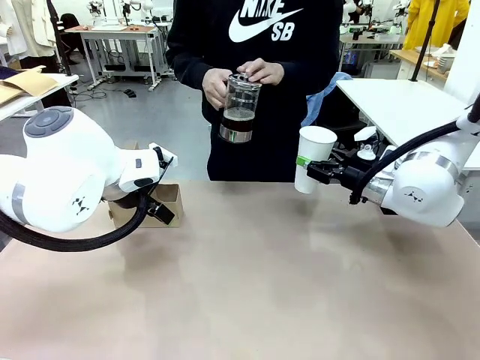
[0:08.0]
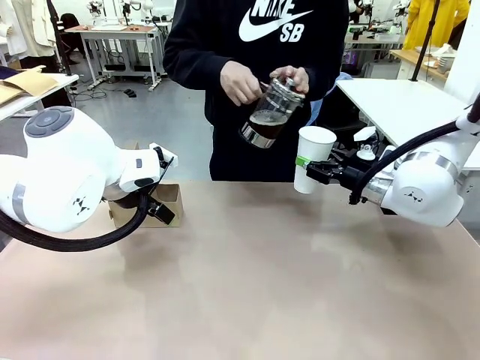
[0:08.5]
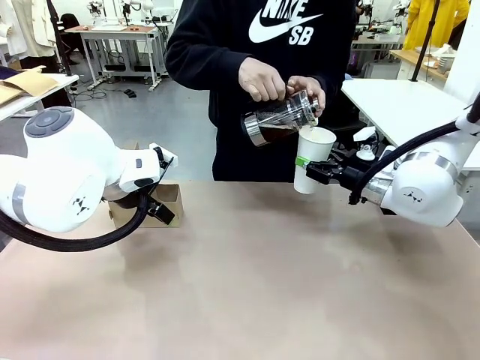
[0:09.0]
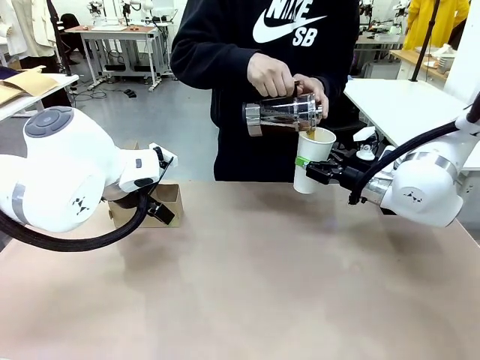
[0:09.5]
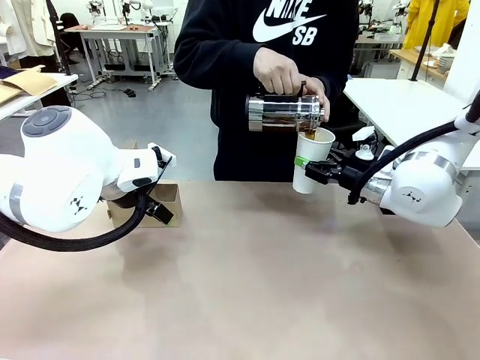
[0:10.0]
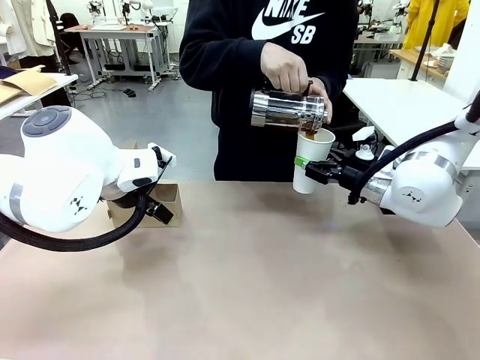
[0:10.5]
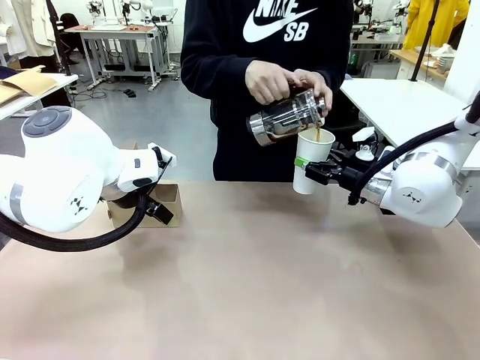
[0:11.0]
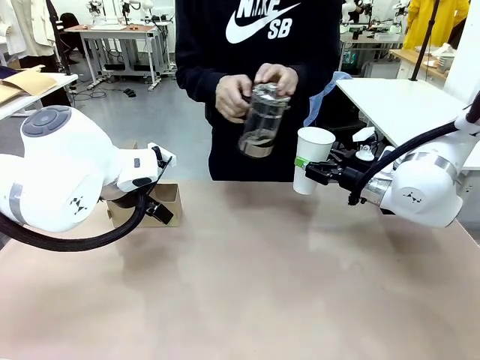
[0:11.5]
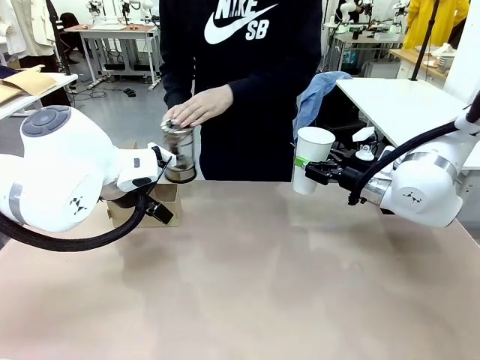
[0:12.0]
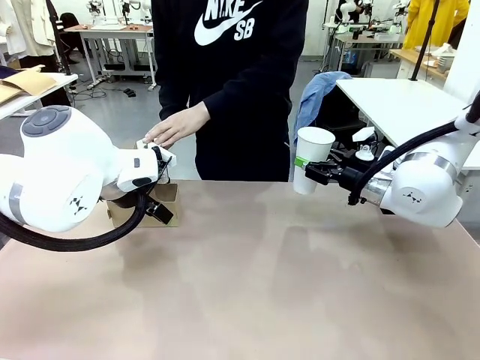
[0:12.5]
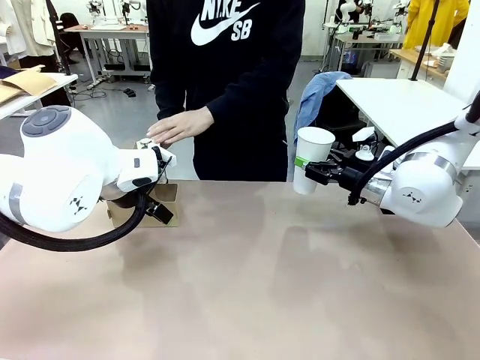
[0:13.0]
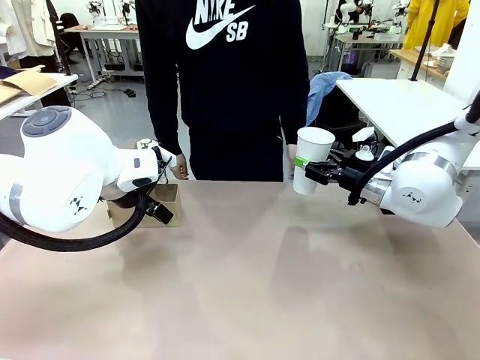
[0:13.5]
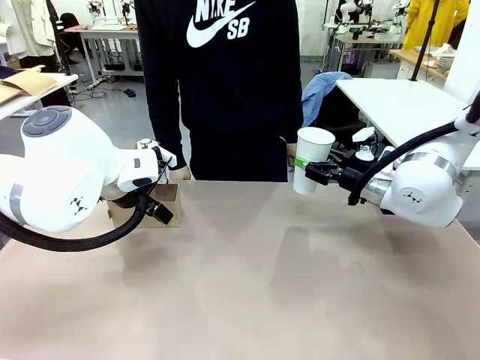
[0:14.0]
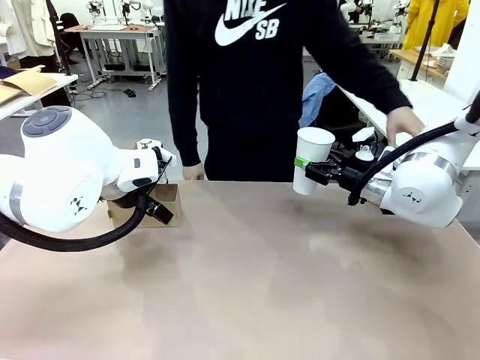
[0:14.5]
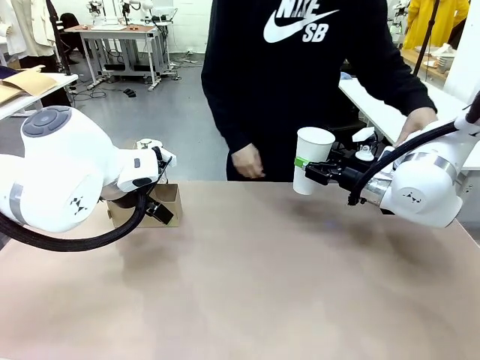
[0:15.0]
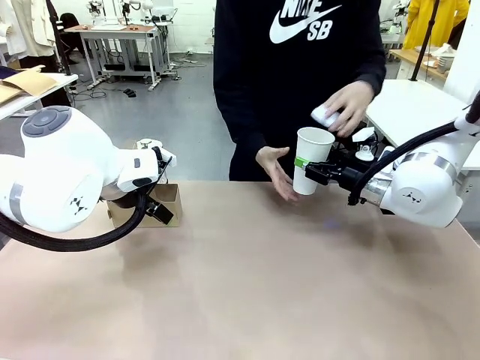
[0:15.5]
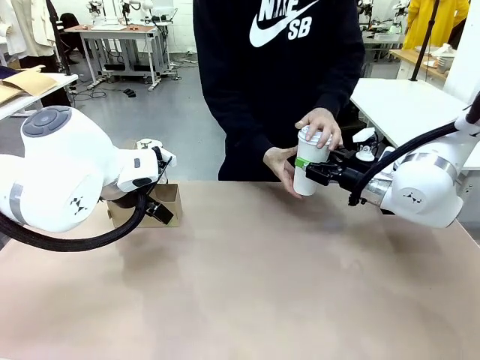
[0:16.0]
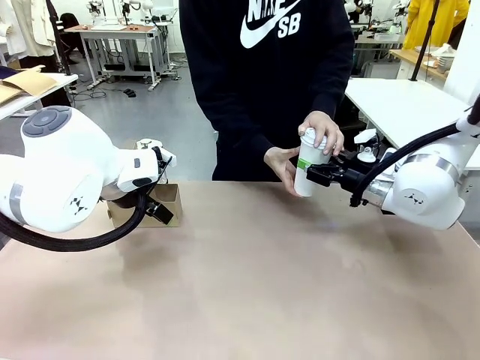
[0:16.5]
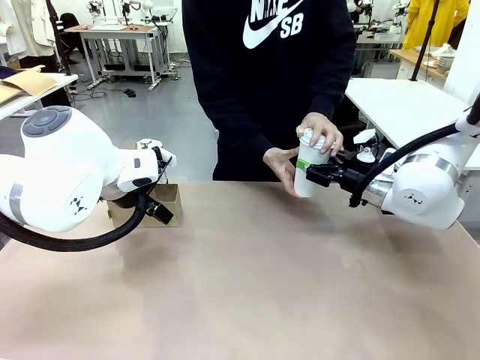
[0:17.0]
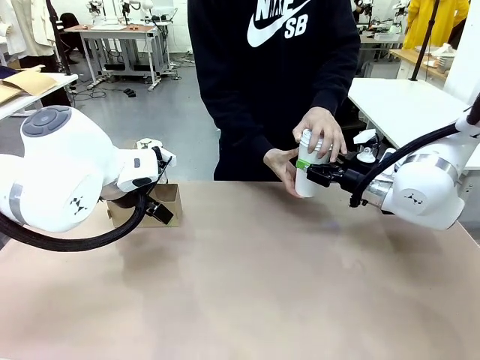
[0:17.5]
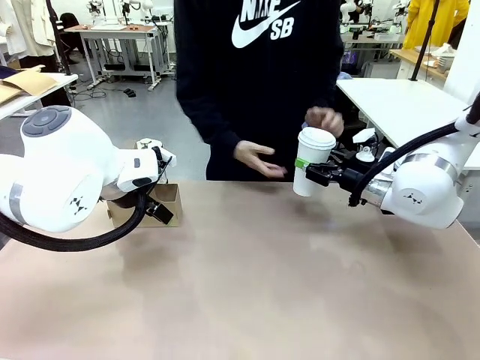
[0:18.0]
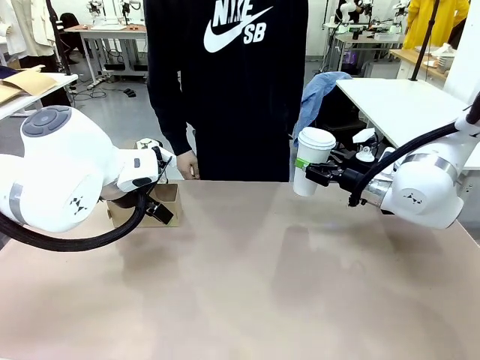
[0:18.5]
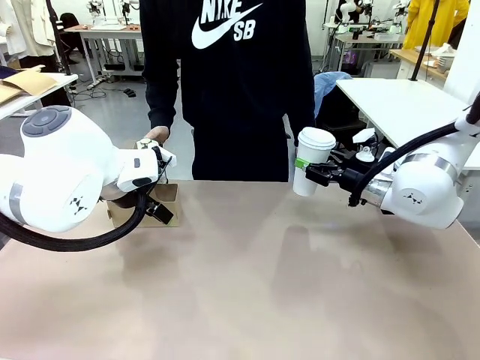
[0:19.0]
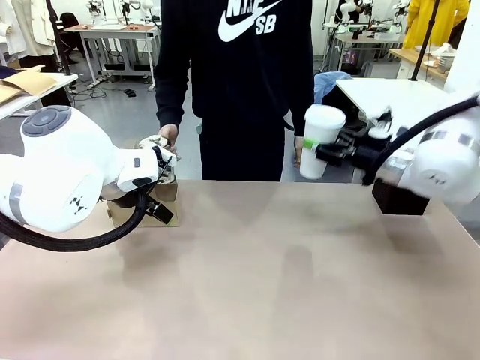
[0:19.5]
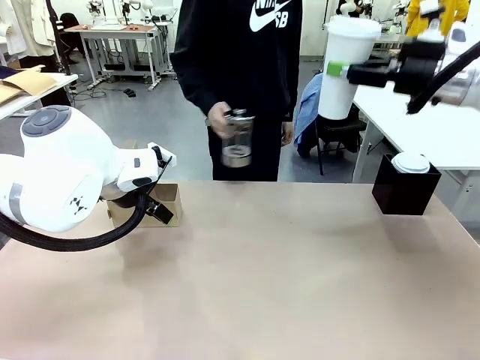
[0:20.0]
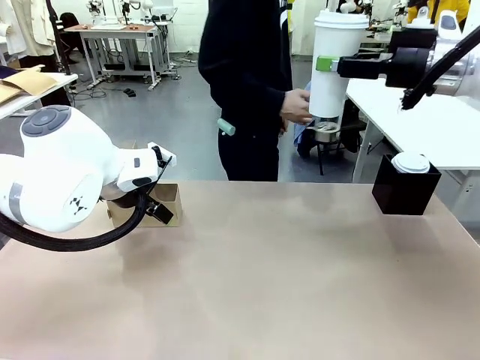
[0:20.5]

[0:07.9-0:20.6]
Task: Pour a drink into a cup and package it in a carrier.
Robot: When a person places the Paper Cup Lid on the 600 ml Paper Cup , lift the 600 ml Paper Cup.
Person: Pour the drink from the Filter Brewing into the 600 ml Paper Cup. Place a Paper Cup Lid on the 600 ml Paper Cup.

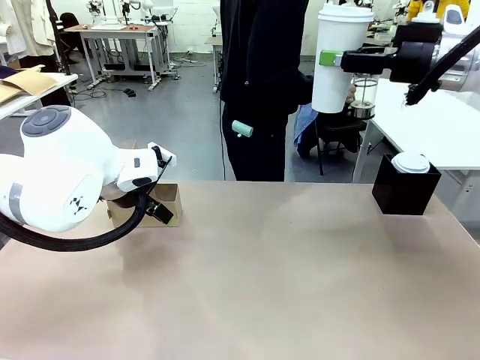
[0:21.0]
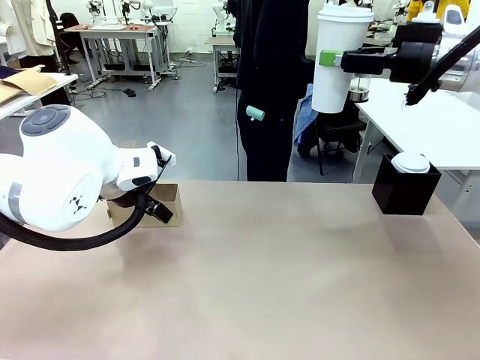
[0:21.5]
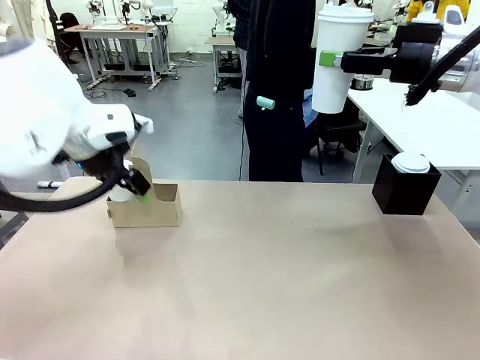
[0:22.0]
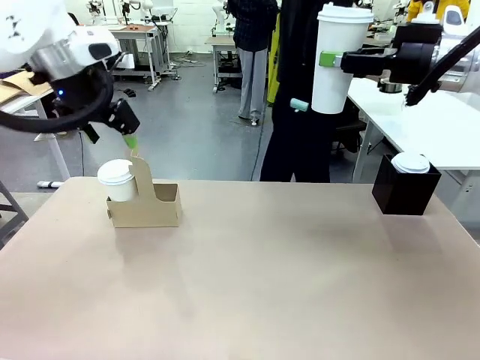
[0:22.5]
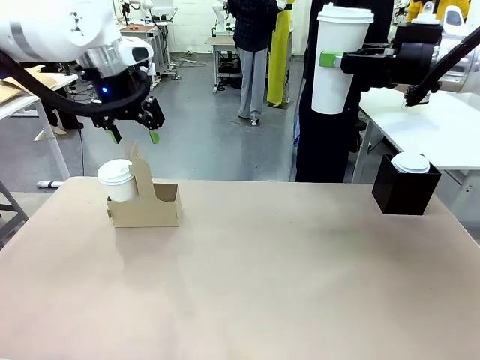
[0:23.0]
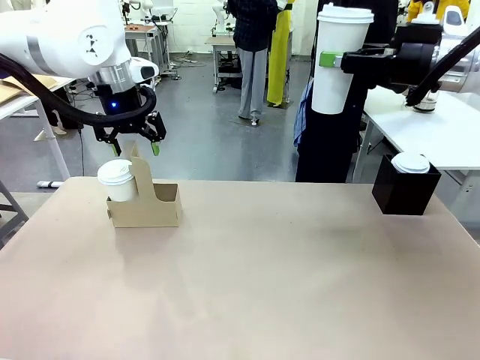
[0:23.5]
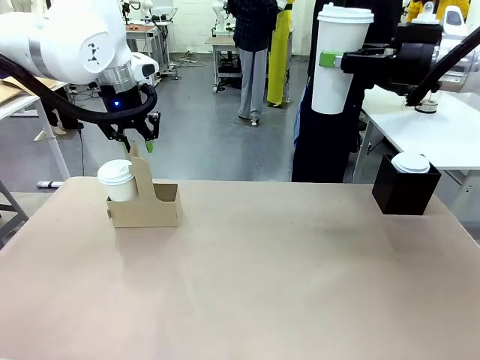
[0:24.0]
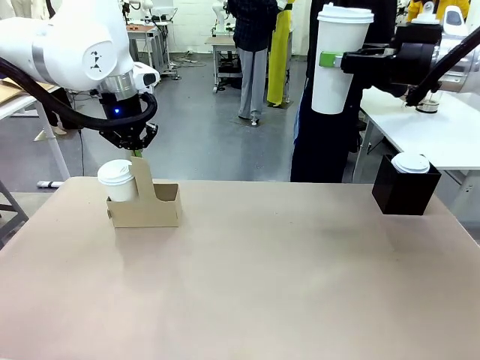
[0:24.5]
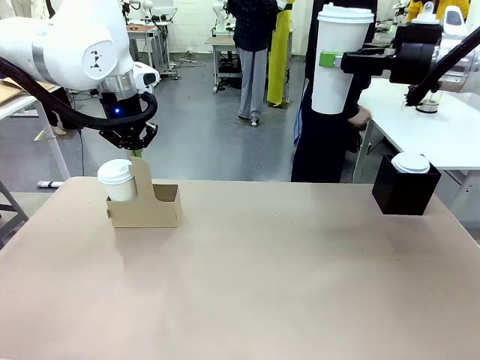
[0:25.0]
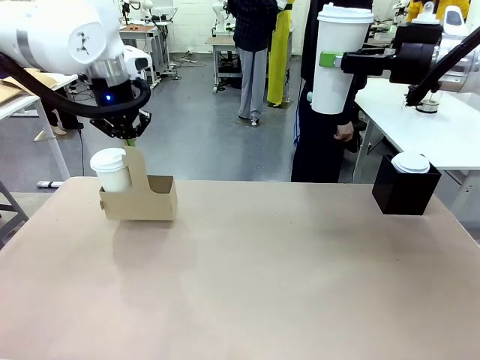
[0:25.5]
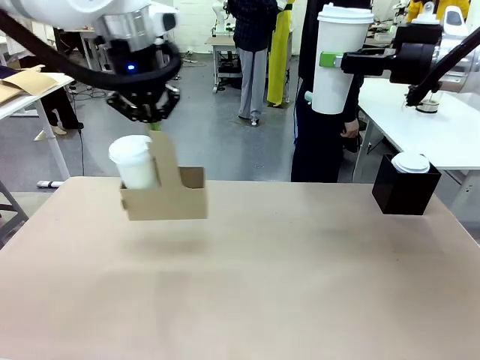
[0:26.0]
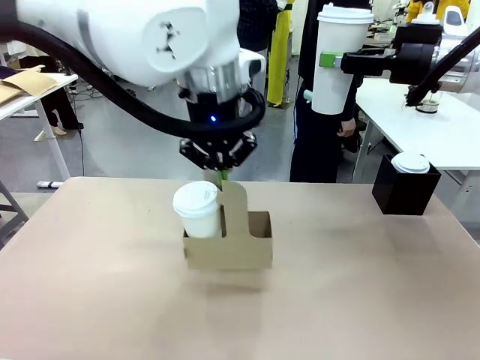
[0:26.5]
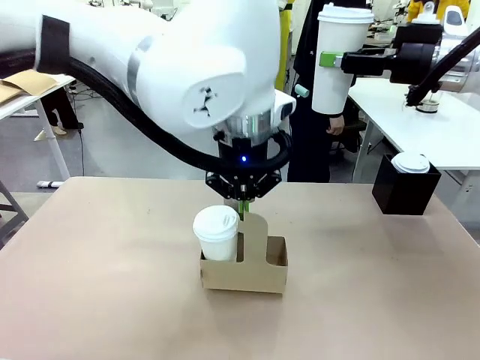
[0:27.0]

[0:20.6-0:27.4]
Robot: Position the Cup Carrier in the center of the table.
Person: Pick up the Filter Brewing and place on the middle of Human table, and return to the Robot table.

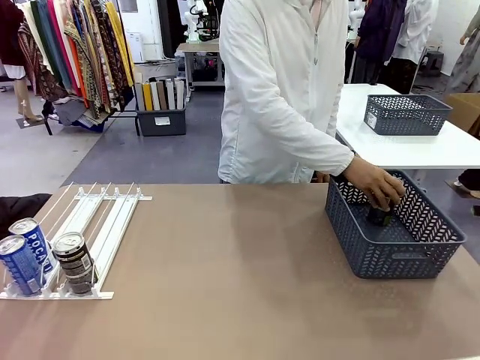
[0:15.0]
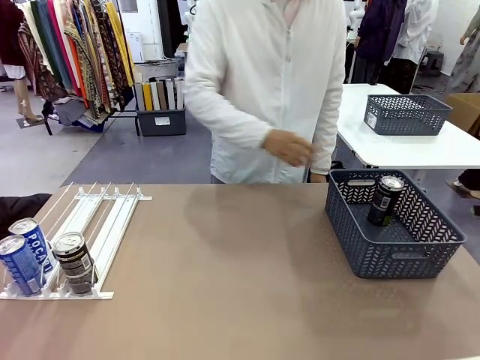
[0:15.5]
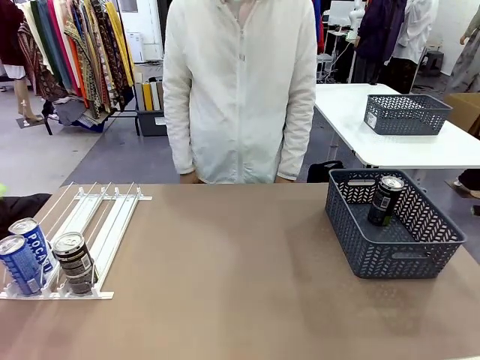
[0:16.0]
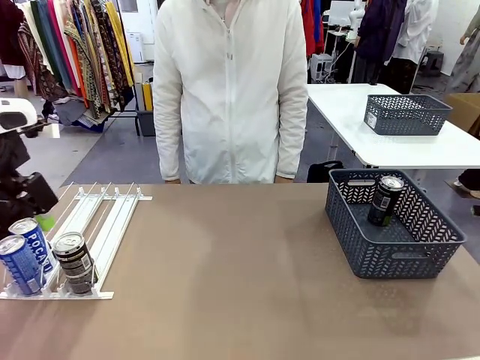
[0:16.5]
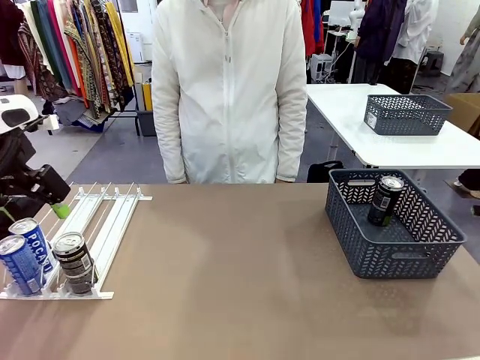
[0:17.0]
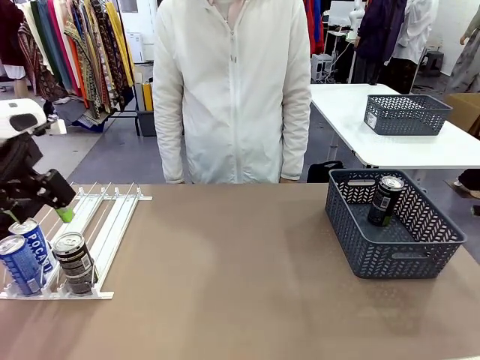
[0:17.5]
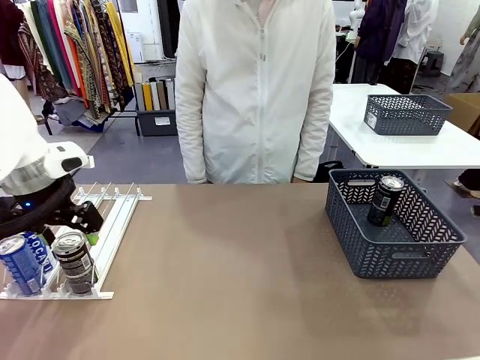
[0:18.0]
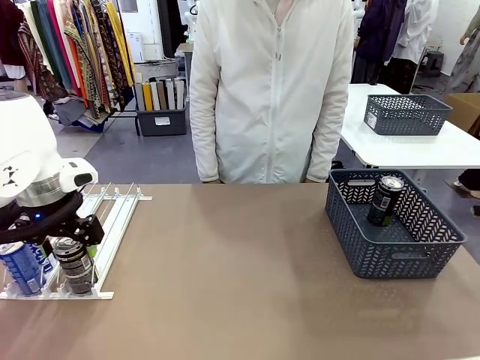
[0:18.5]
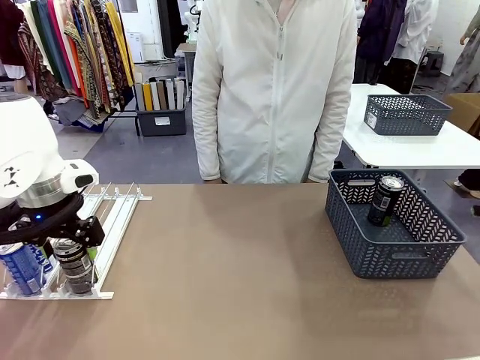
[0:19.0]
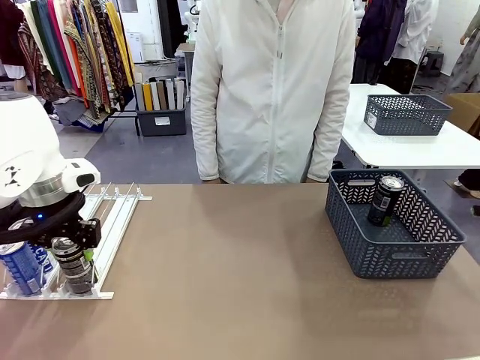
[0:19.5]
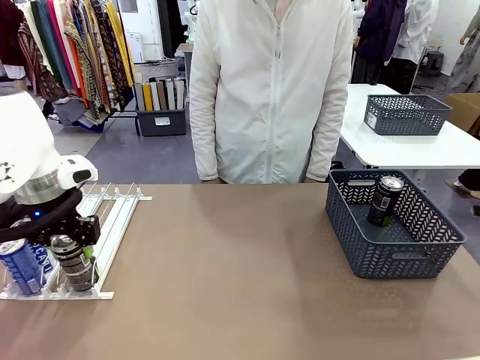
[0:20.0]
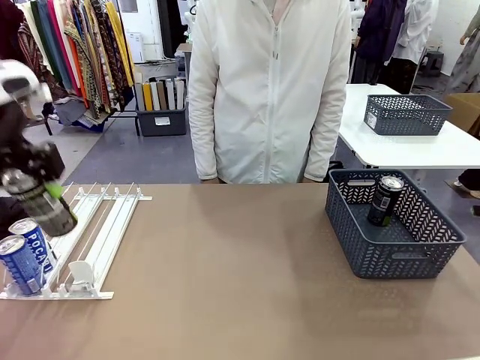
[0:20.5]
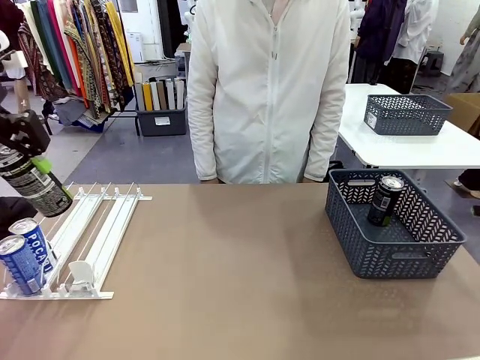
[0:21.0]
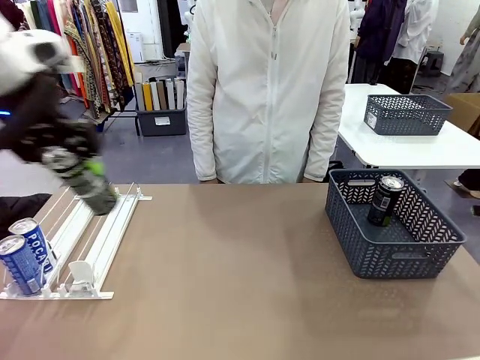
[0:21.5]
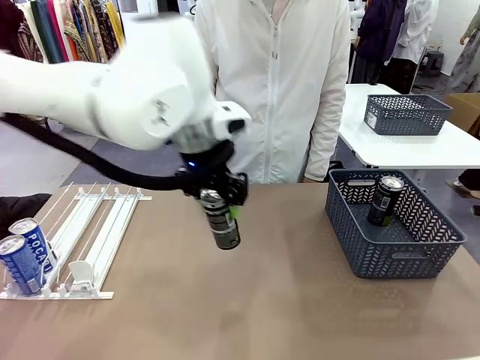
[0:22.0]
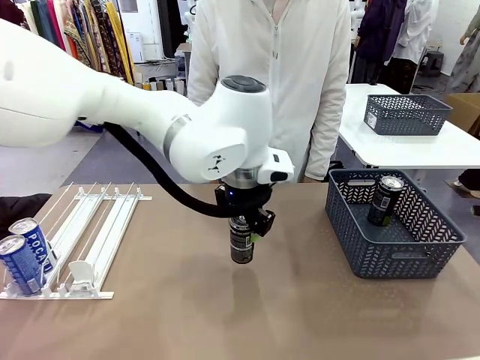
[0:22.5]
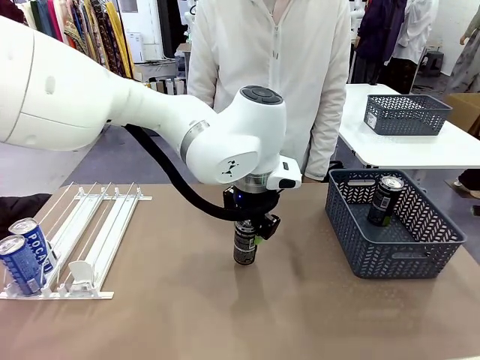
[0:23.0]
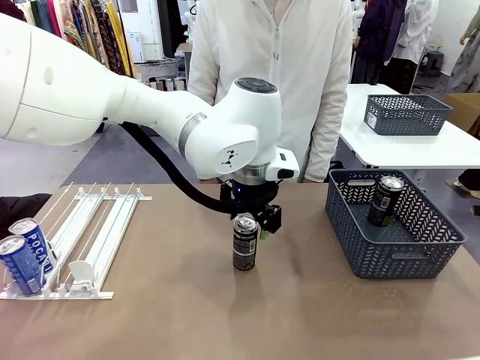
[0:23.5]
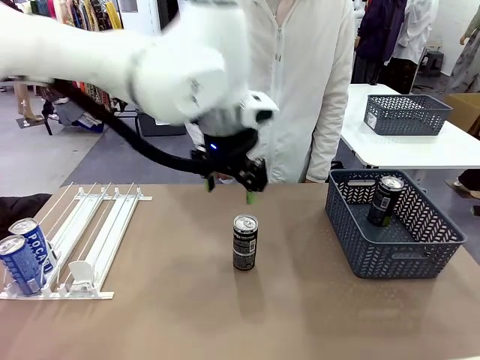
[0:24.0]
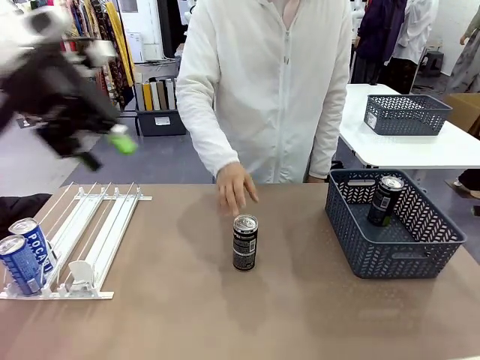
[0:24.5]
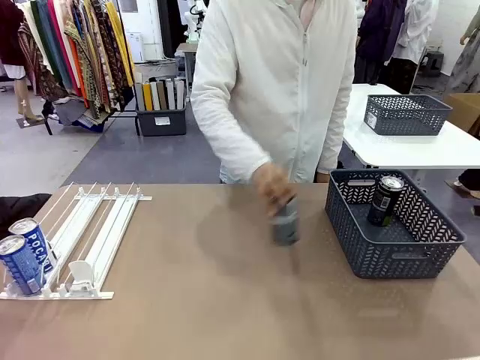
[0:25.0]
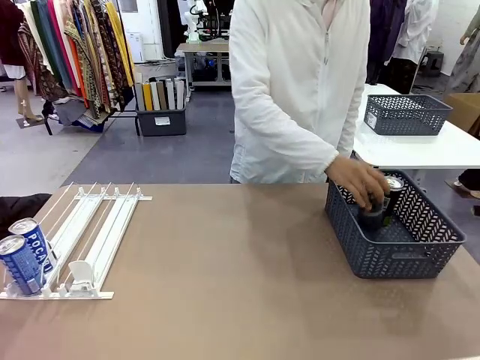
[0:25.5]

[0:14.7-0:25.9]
Task: Retrieve and store the cans from the dispenser.
Robot: Pick up the last remaining can from one row of the Automatic Can Dispenser and place it in the middle of the table.
Person: Pick up one Pepsi can from the middle of the robot table and place it in the basket.
